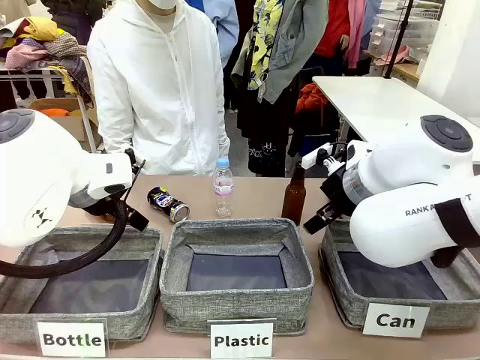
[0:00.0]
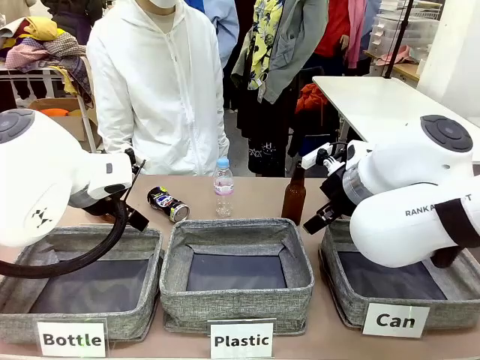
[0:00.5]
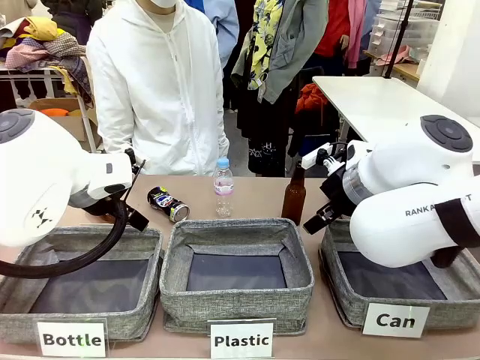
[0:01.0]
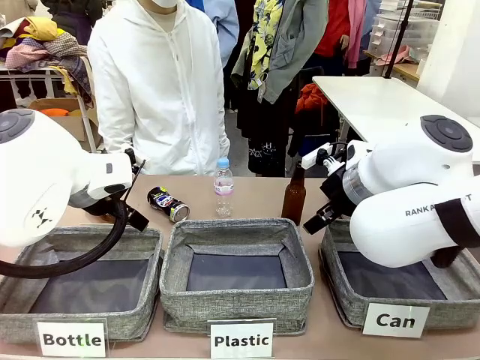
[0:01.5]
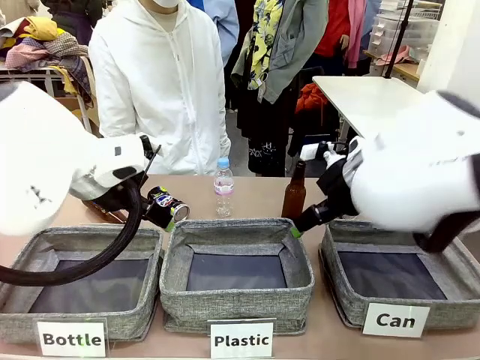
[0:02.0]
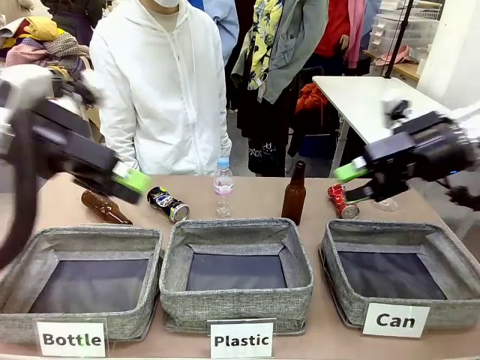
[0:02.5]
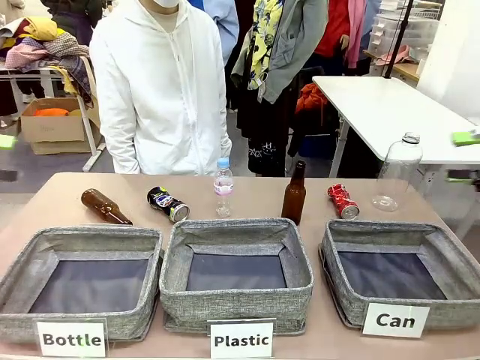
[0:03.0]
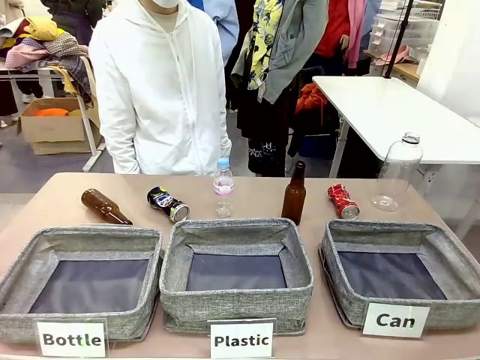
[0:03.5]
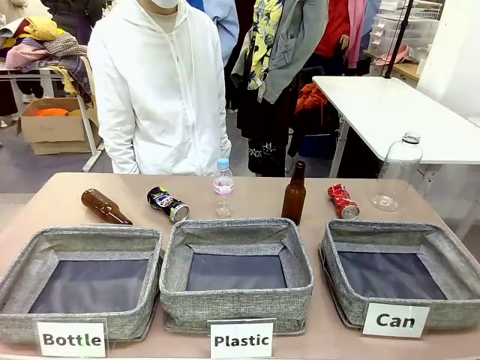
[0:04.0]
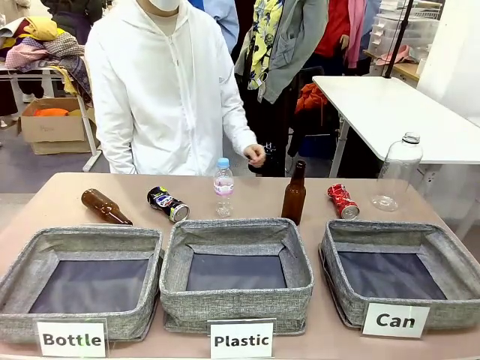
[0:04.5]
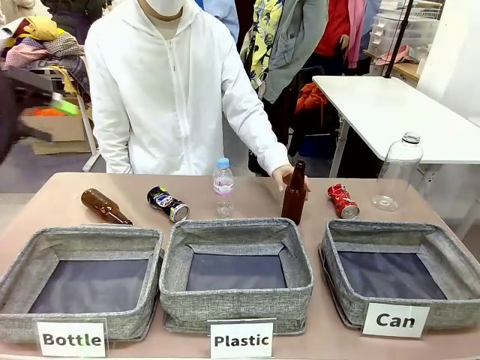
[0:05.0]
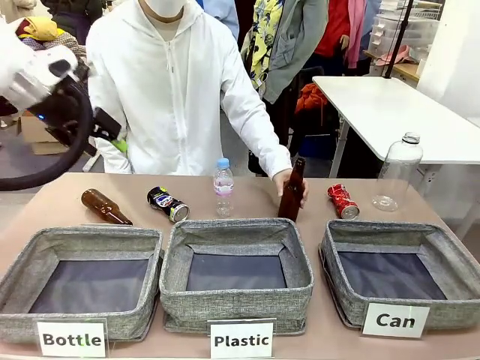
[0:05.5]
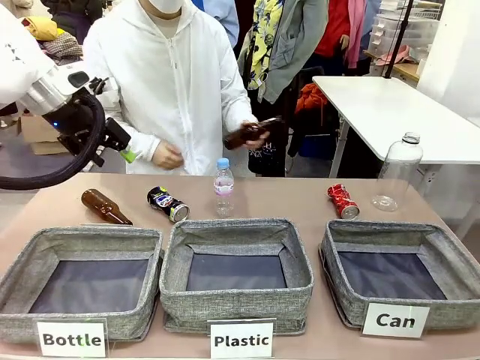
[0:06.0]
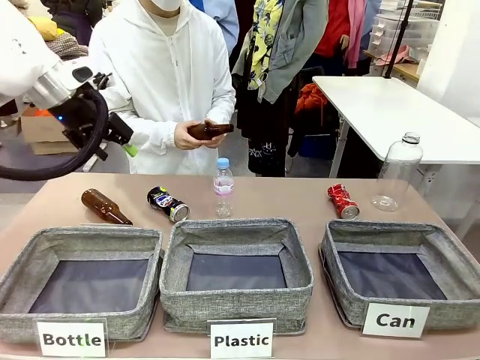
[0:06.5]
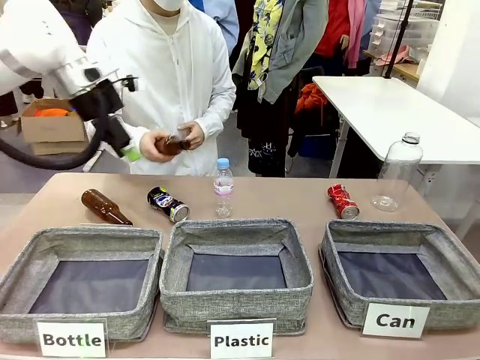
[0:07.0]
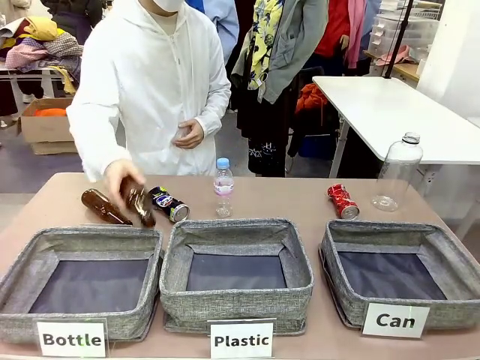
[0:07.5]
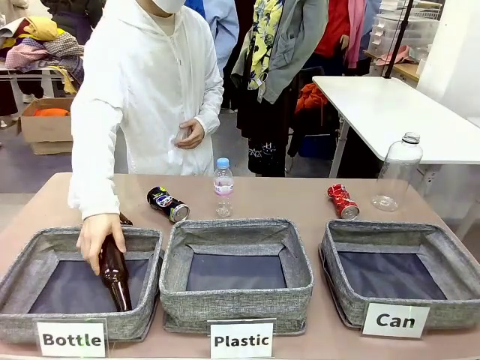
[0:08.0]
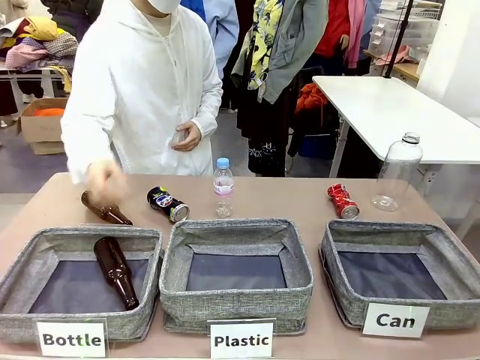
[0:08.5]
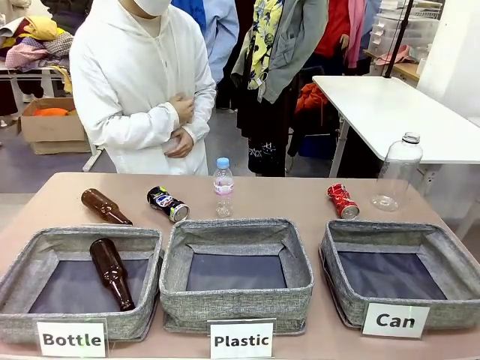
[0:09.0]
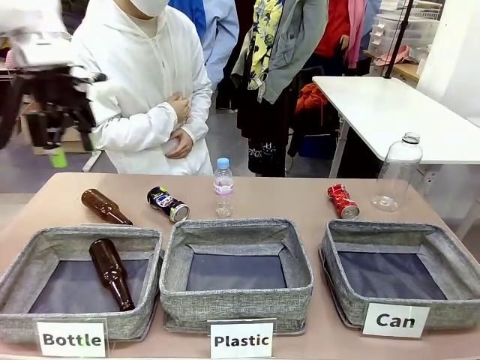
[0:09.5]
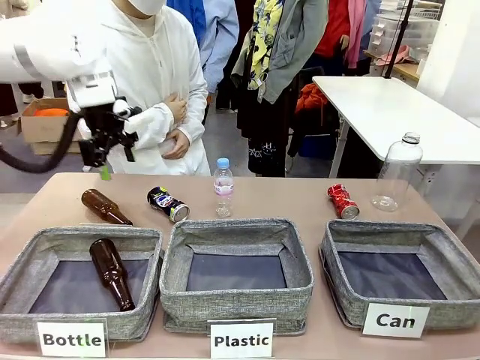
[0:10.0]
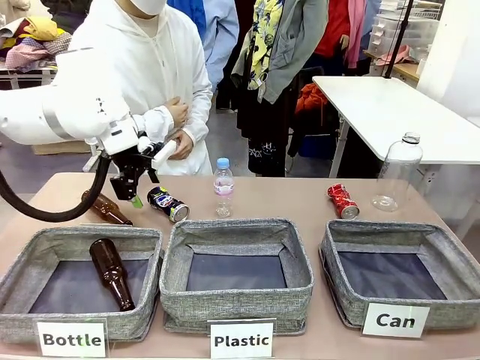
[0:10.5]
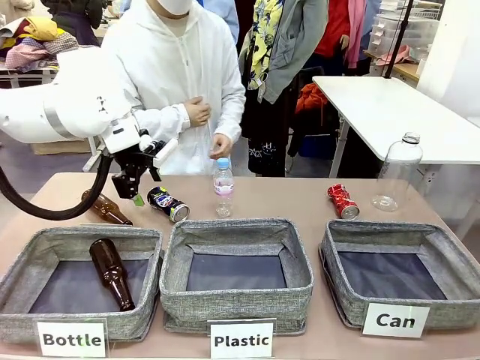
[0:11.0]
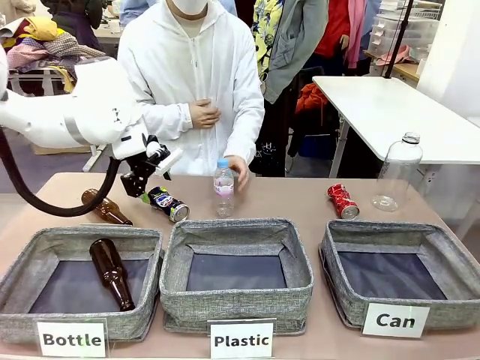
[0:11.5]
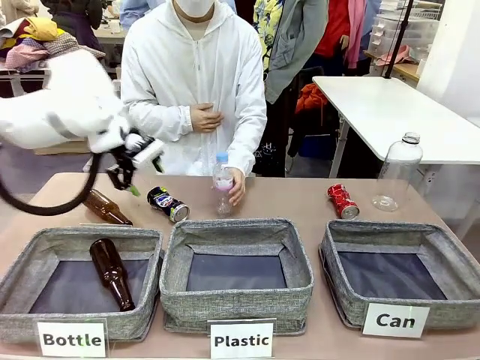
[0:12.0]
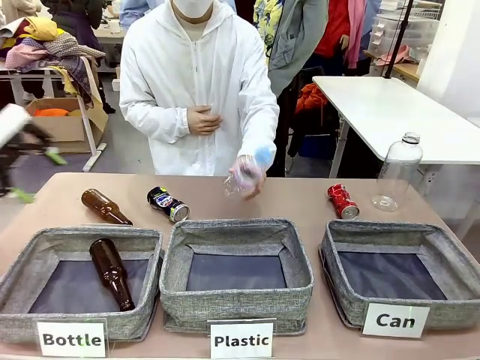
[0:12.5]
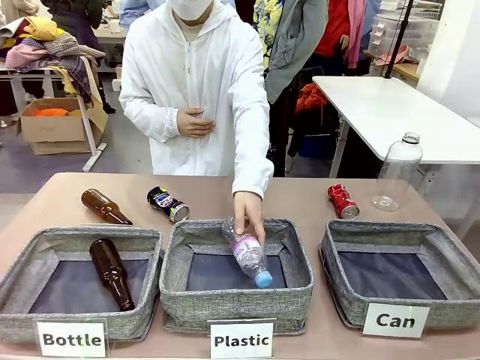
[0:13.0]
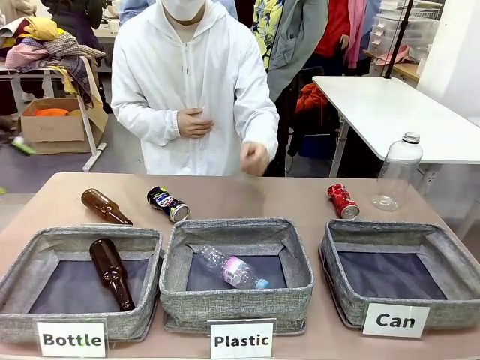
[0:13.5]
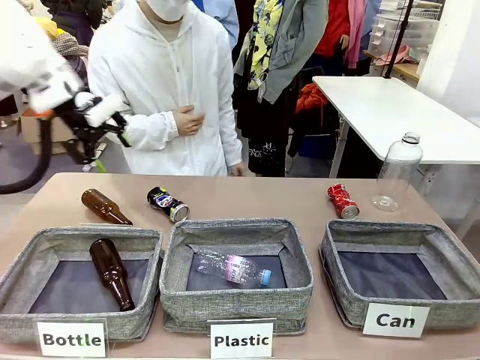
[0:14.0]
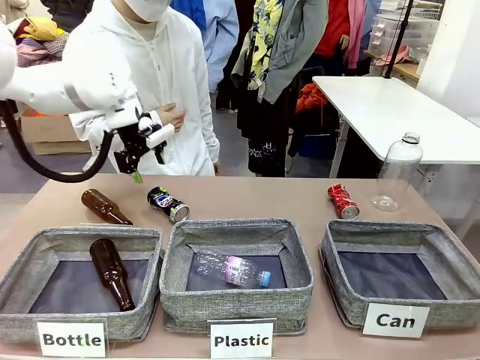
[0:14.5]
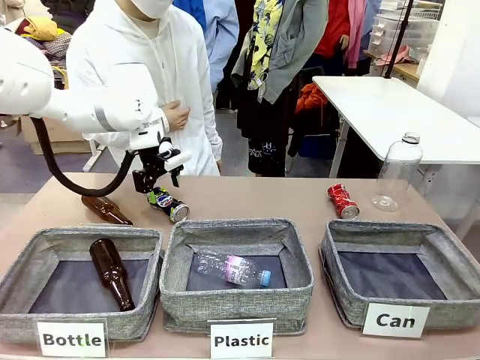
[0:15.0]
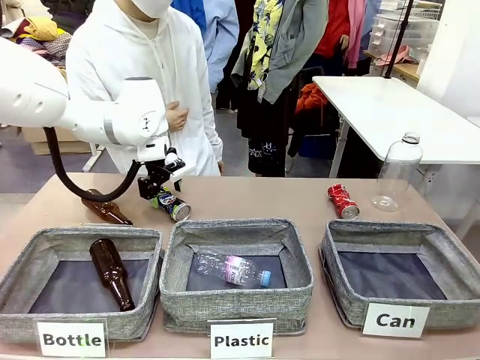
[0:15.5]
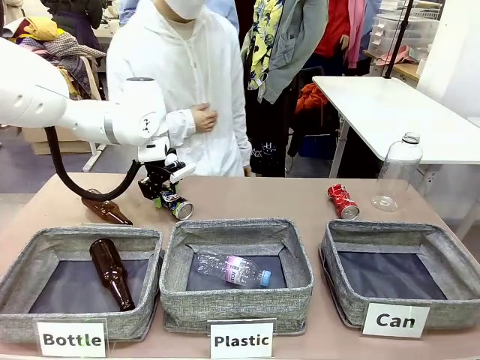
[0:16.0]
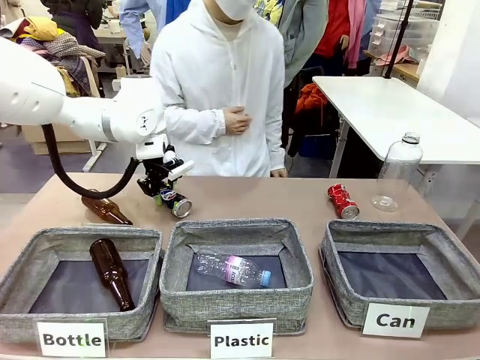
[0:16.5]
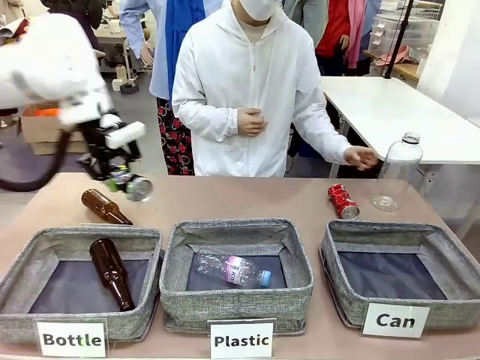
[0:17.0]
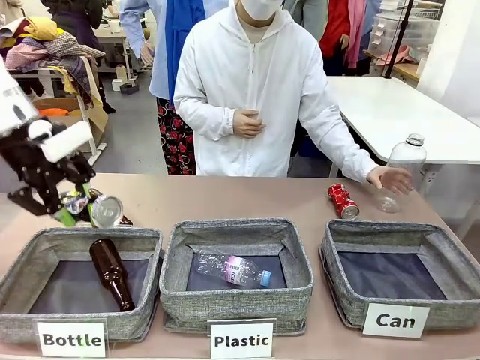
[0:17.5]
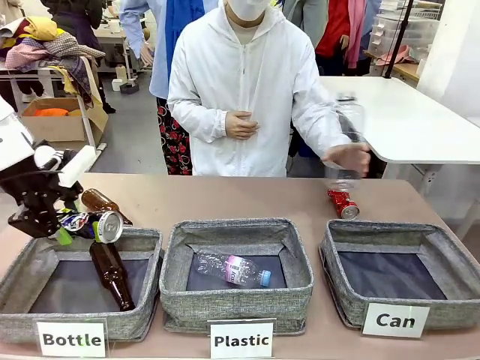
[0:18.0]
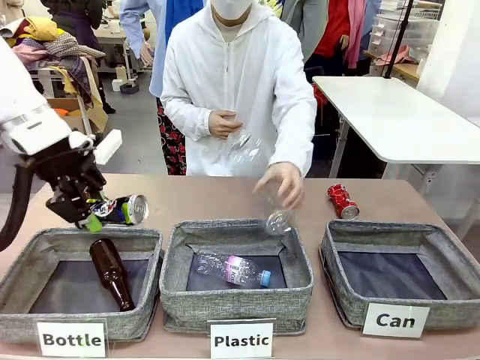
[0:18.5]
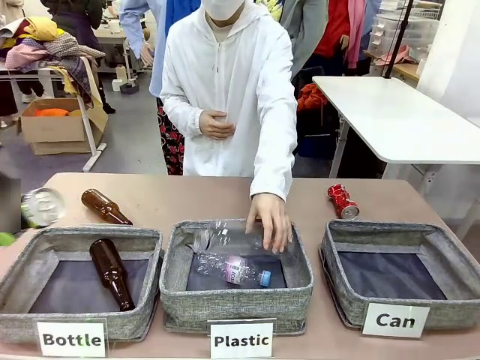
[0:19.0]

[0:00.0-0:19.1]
Task: Sort the can waste into the basket.
Robot: Pick up the can waste from the table and place it in the right Fabric basket.
